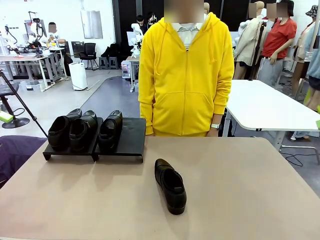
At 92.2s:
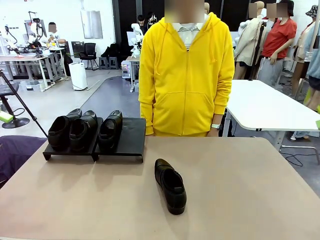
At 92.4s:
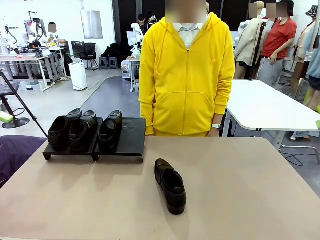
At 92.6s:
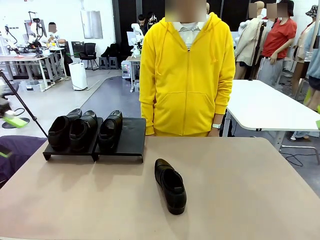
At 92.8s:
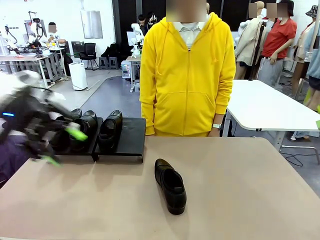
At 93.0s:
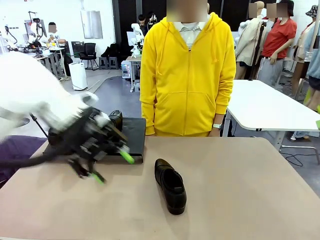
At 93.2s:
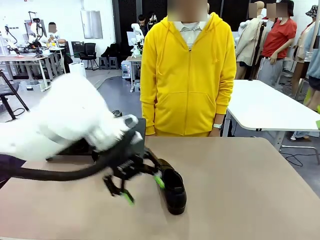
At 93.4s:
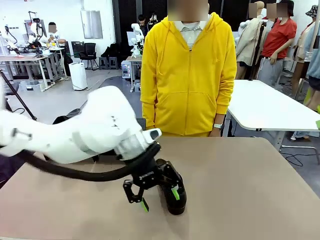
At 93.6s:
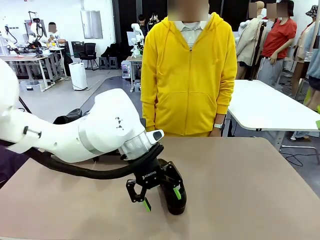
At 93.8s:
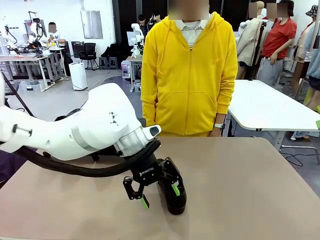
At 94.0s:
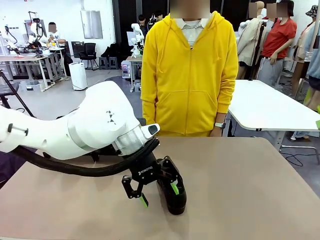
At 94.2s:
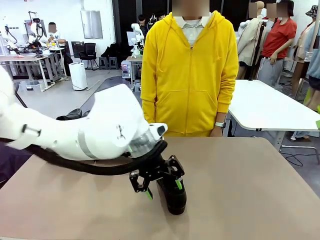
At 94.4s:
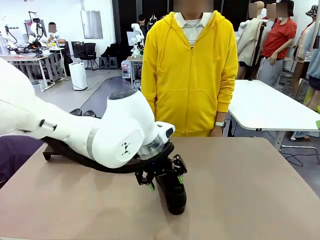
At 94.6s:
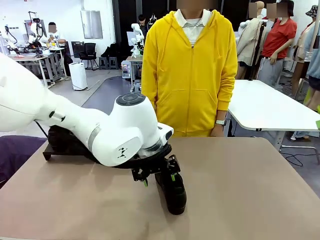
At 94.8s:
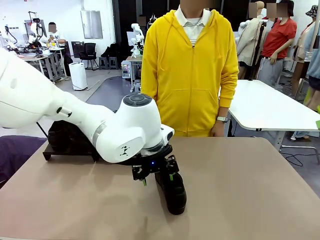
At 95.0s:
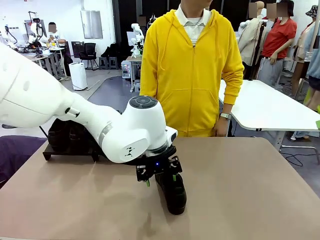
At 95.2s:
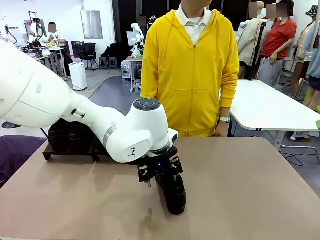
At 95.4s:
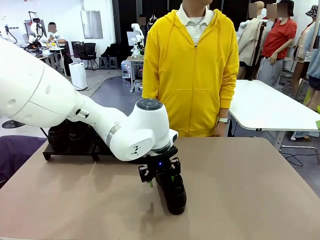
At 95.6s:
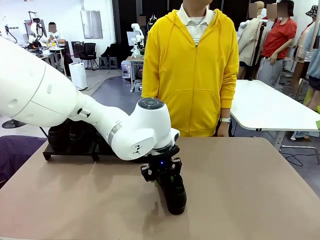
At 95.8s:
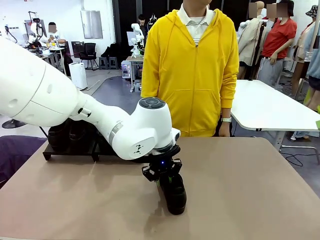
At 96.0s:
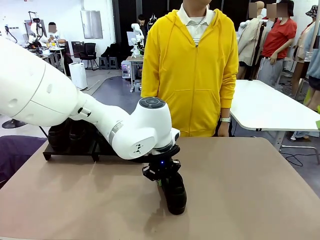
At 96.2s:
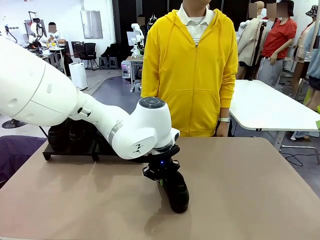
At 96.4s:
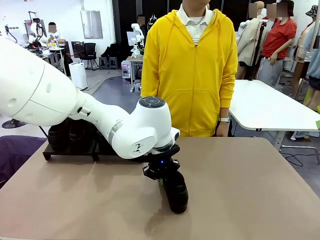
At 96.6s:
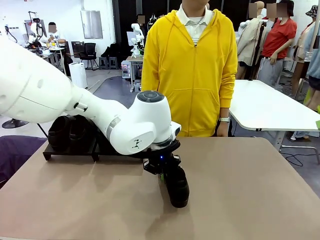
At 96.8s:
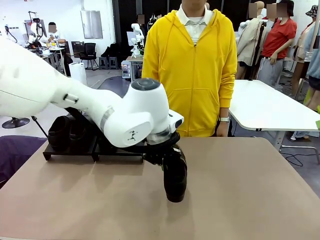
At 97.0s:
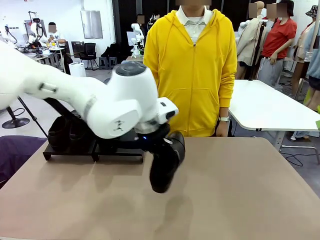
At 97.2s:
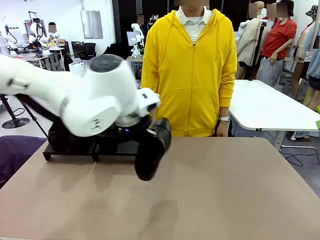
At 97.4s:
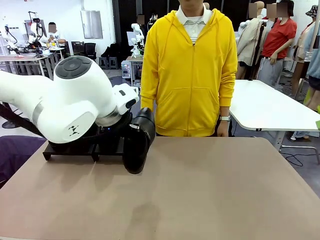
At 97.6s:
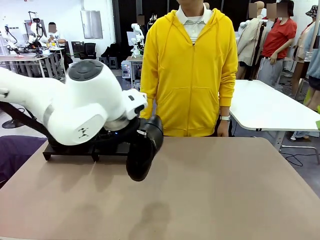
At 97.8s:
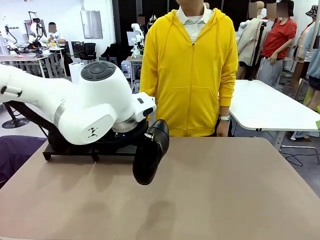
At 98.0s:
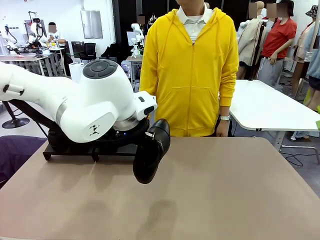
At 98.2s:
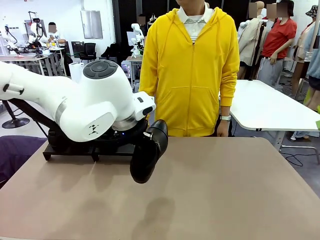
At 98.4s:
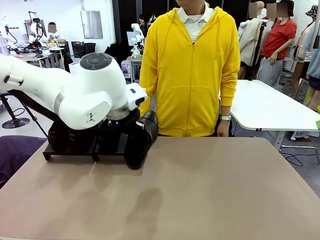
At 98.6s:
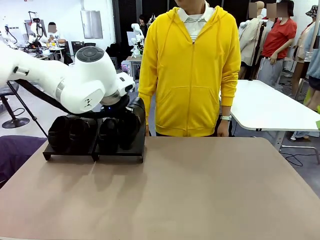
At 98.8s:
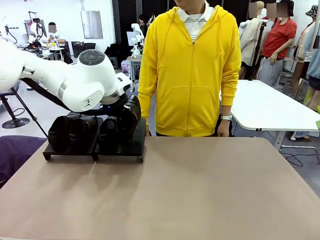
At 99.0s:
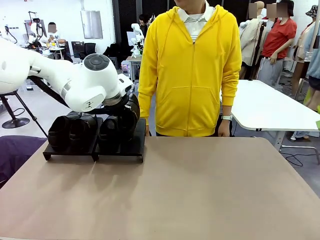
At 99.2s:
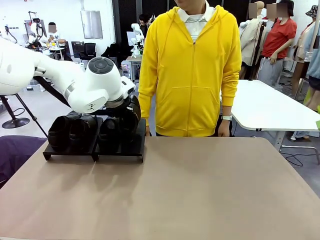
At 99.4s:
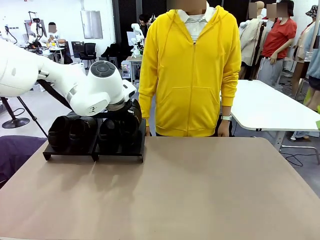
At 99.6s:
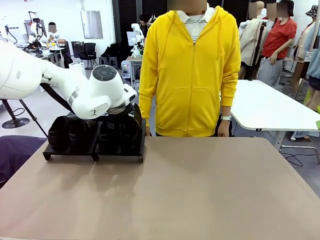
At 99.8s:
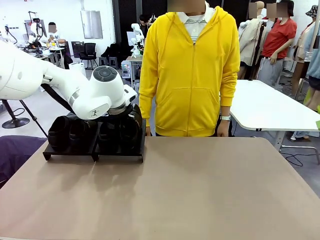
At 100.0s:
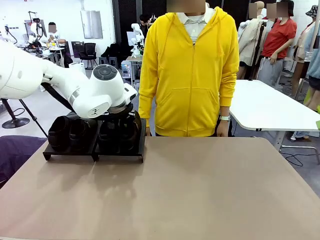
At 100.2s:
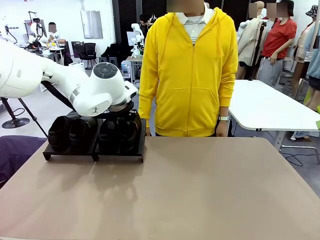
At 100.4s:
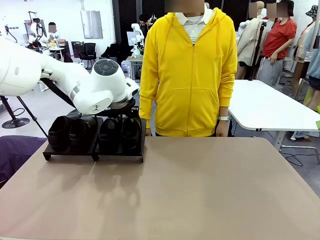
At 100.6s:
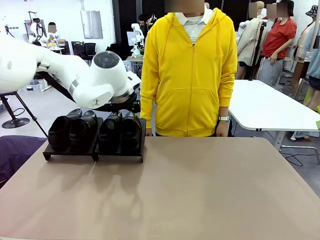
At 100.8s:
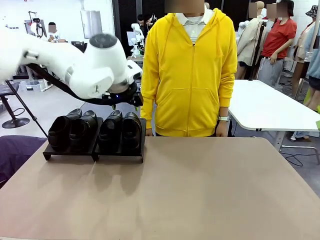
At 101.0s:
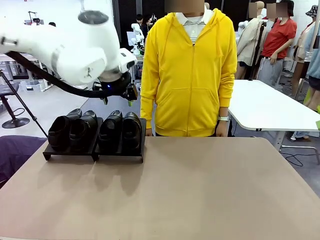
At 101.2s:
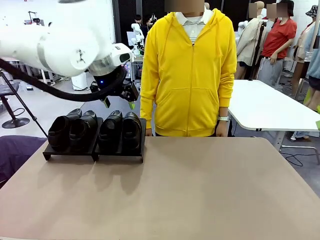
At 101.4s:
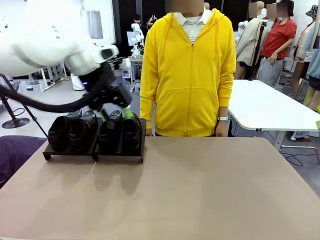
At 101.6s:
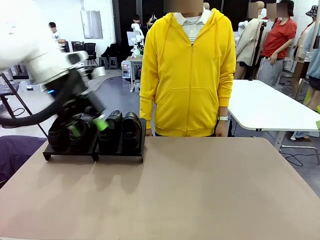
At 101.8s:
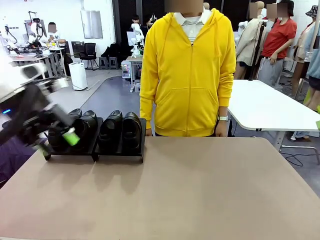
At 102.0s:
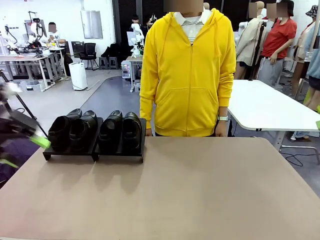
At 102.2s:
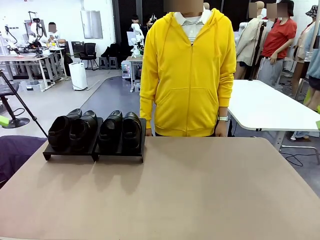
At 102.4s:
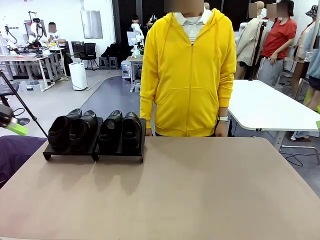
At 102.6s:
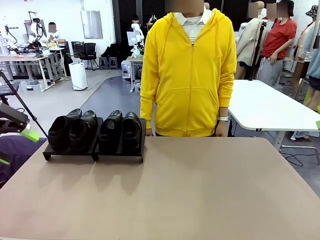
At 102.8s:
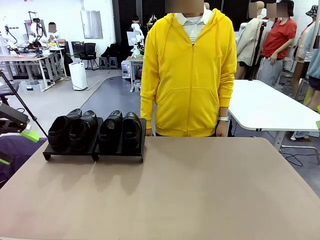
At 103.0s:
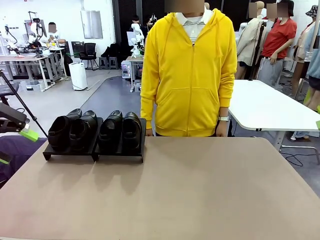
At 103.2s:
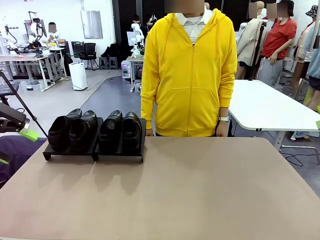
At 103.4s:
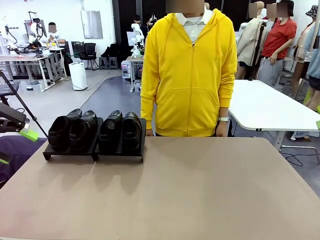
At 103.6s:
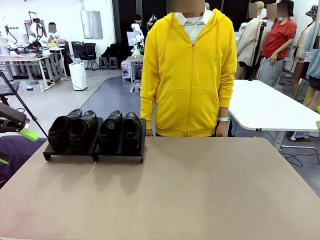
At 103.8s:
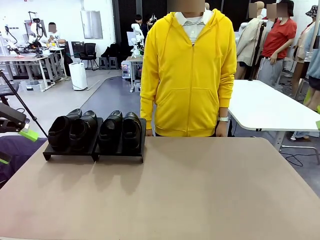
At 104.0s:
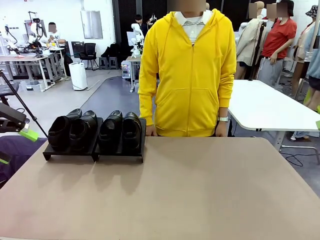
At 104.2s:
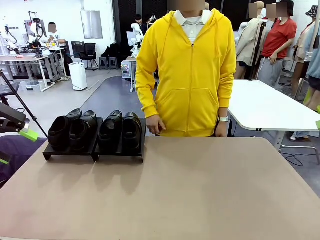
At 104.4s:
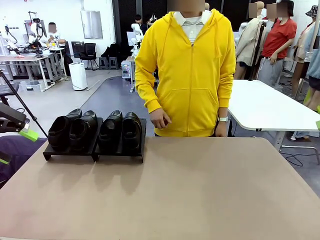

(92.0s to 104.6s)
Task: Organize the shoes by placing them on the stand.
Robot: Place the Shoe from the middle of the table onto the Shoes Stand.

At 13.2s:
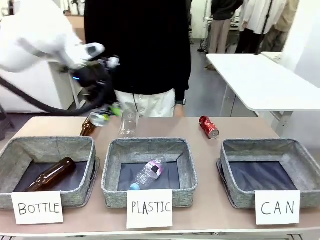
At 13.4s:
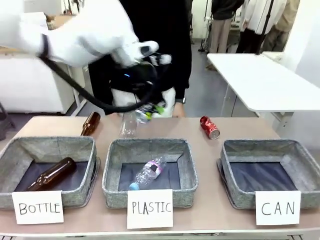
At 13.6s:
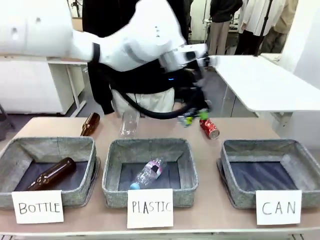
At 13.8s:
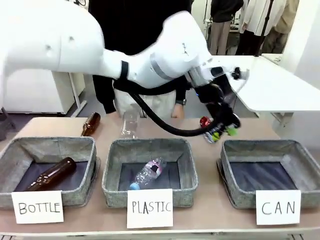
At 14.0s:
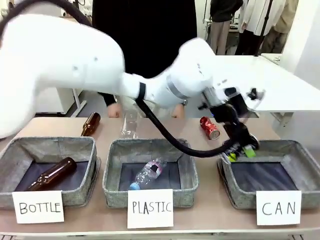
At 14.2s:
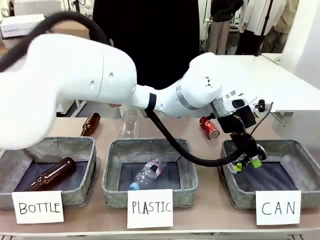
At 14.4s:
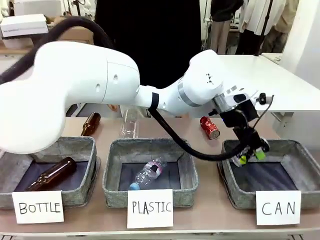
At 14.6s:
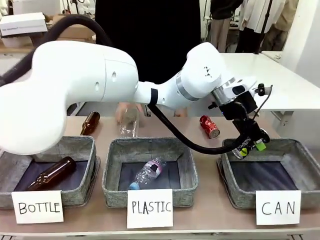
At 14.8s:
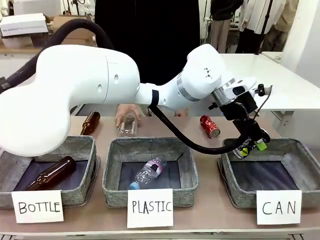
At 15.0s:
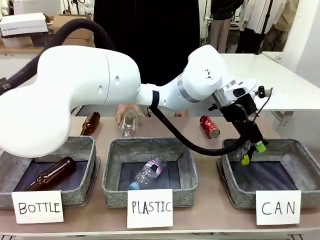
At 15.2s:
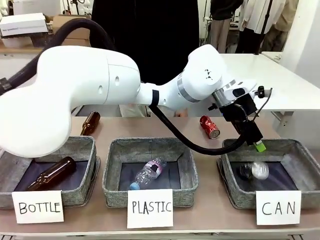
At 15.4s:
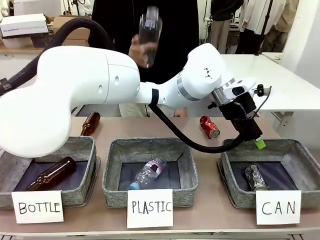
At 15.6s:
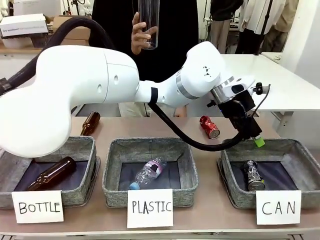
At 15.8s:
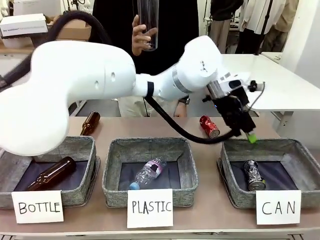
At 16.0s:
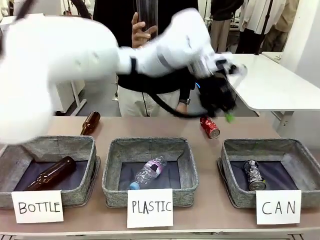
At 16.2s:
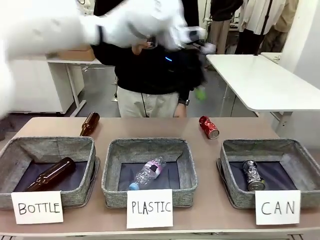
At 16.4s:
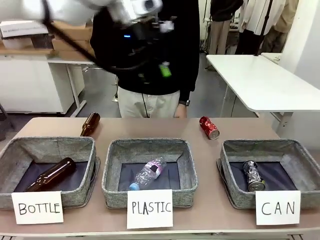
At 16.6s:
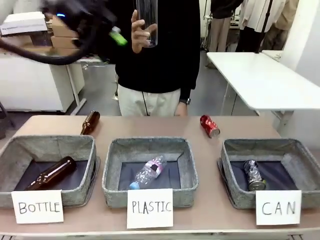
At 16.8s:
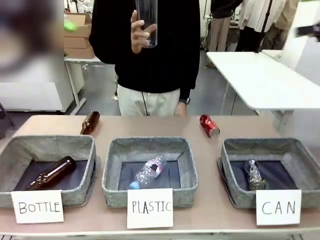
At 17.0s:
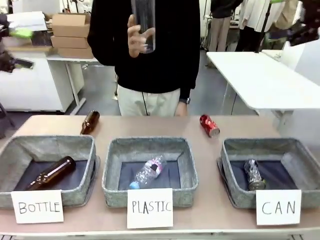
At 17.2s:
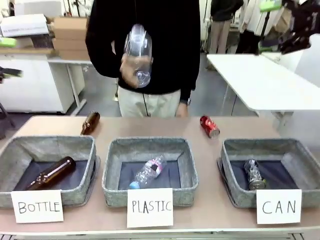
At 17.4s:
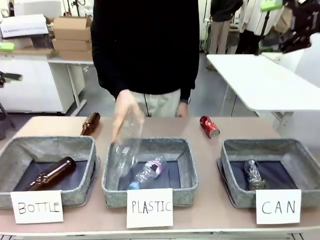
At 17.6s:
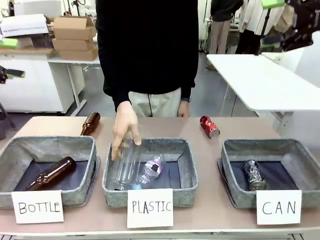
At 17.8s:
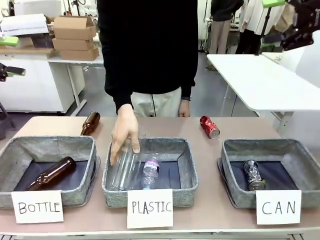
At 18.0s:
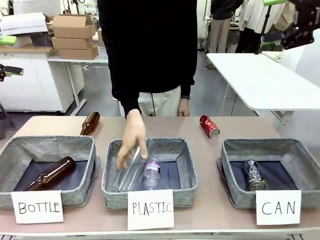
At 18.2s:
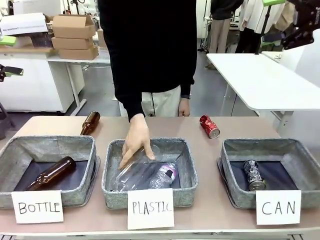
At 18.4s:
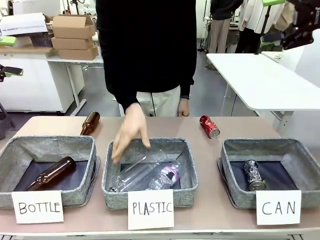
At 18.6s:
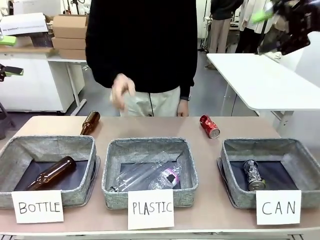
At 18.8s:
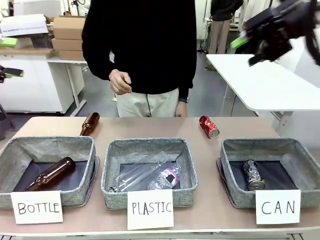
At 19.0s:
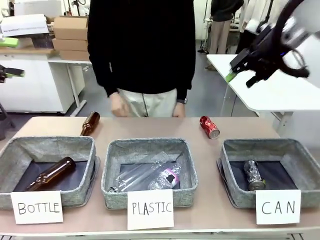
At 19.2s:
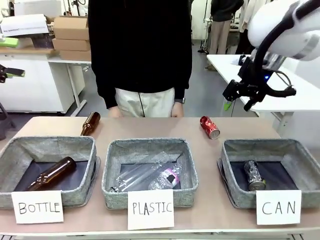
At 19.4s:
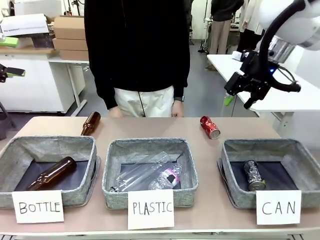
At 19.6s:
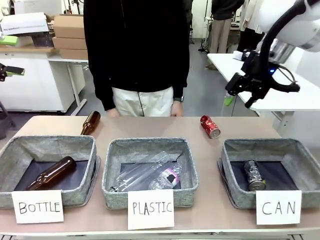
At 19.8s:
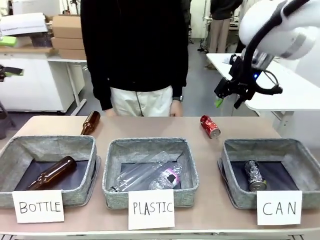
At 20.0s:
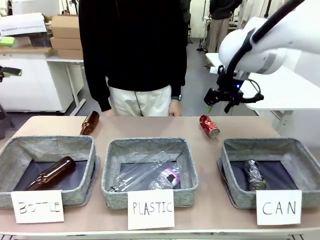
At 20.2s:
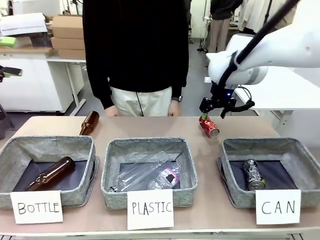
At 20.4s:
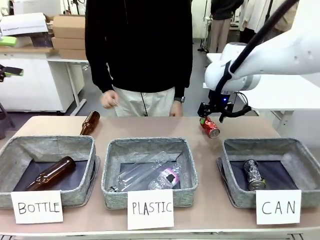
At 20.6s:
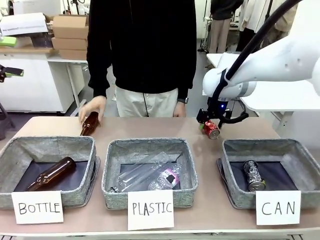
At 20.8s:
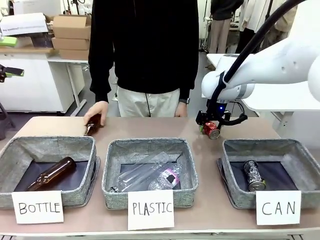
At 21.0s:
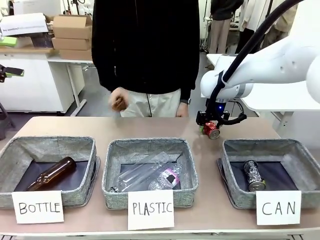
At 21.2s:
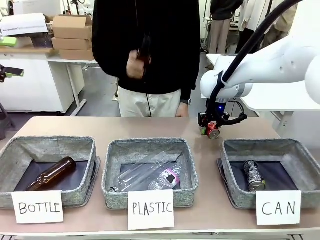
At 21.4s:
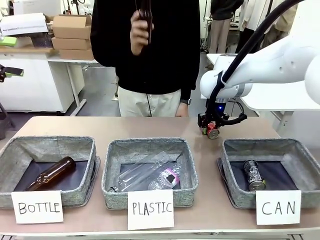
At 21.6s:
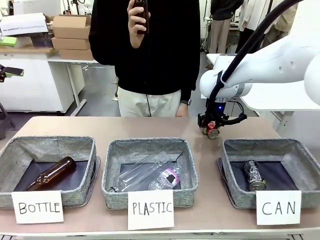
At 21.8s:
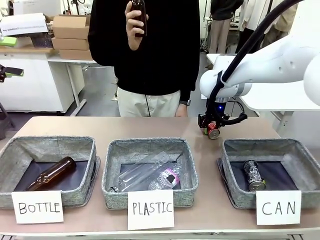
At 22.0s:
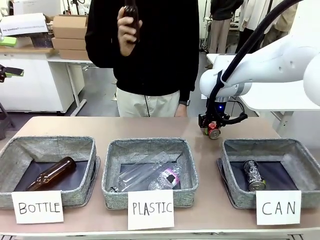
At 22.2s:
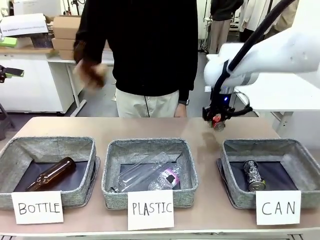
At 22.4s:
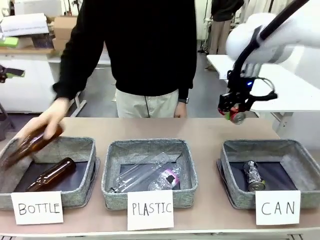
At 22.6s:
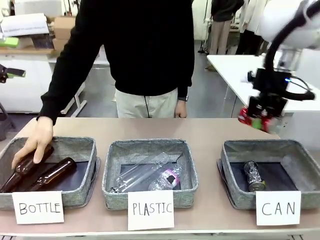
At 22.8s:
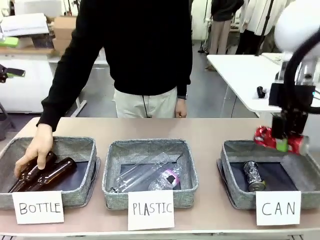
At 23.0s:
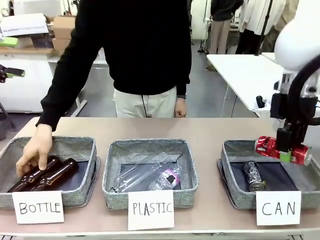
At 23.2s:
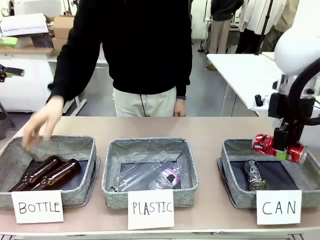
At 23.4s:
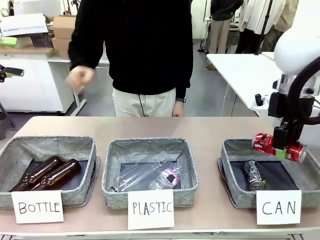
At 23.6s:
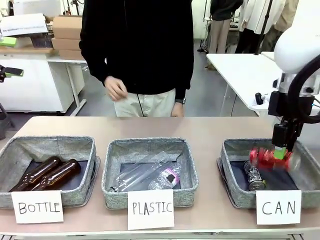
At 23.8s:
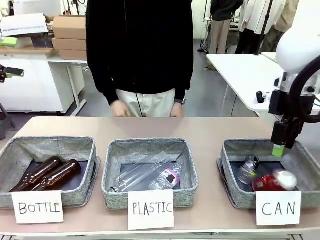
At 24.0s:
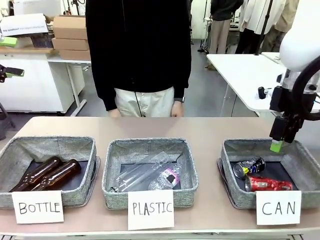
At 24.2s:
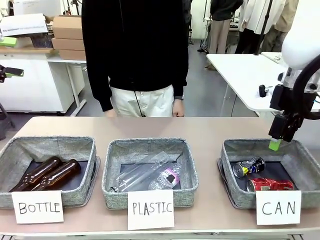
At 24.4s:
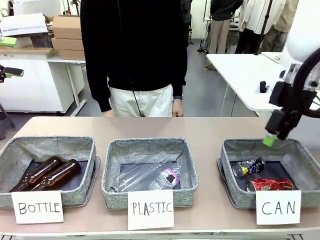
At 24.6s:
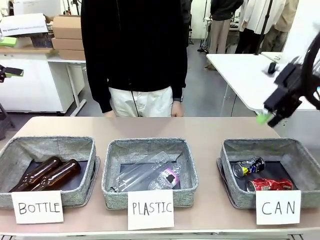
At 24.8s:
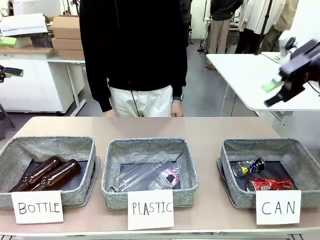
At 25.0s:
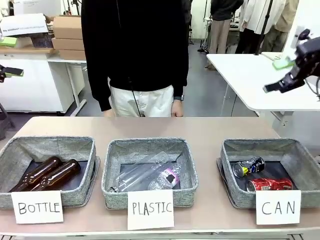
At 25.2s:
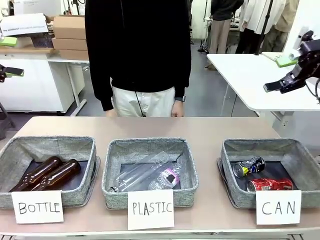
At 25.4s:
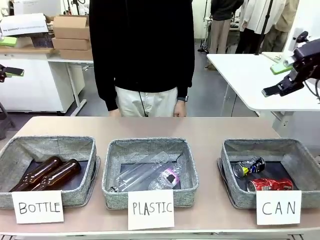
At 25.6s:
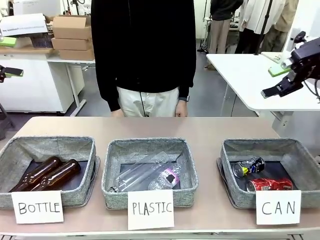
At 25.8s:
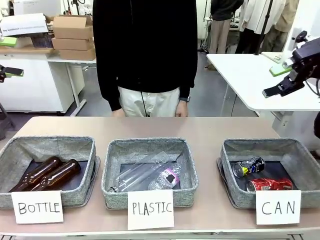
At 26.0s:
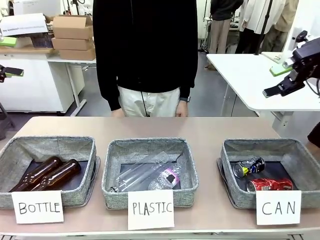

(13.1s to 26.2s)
Task: Sort the can waste into the basket.
Robot: Pick up the can waste from the table and place it in the right Fabric basket.
